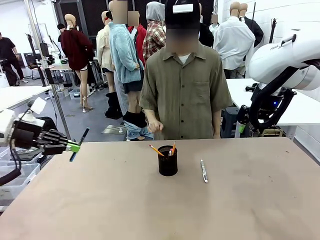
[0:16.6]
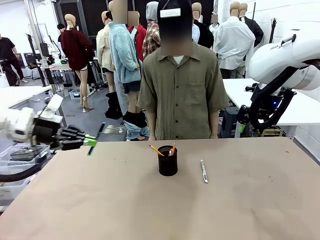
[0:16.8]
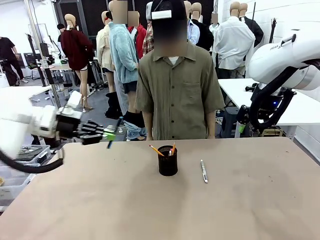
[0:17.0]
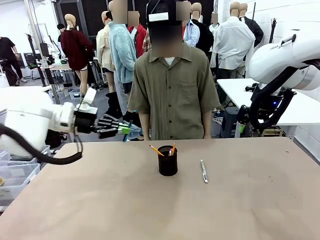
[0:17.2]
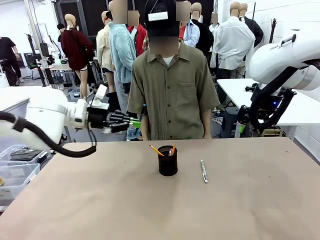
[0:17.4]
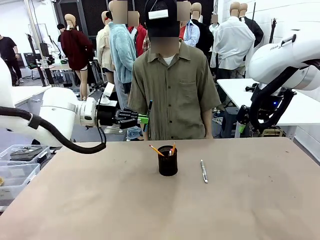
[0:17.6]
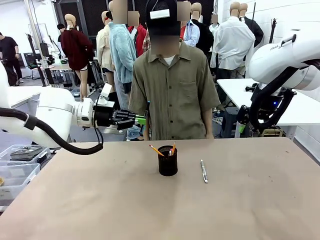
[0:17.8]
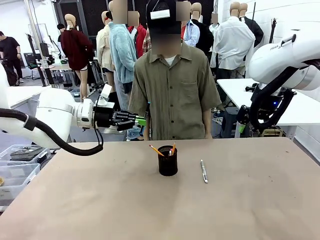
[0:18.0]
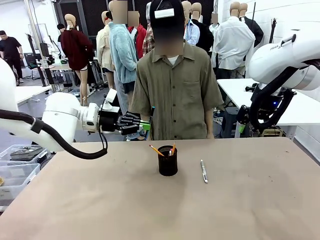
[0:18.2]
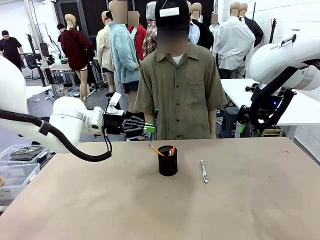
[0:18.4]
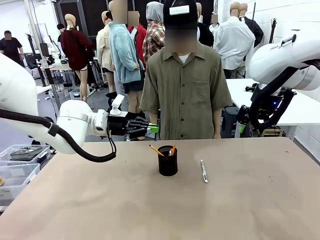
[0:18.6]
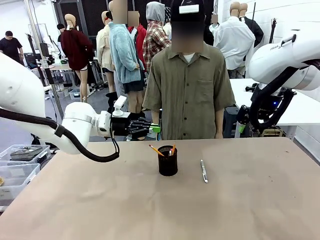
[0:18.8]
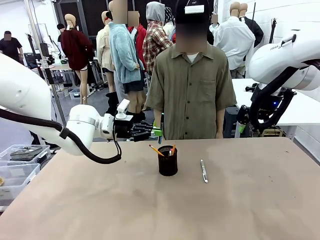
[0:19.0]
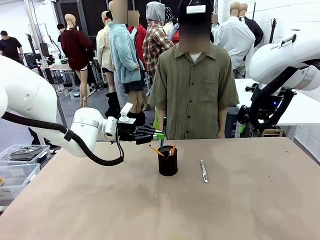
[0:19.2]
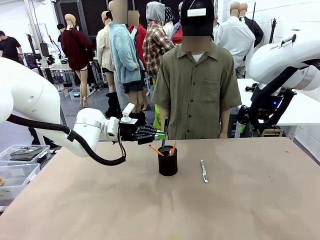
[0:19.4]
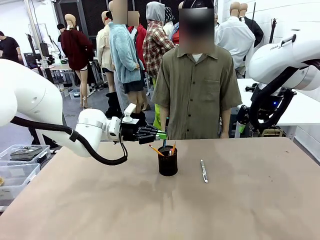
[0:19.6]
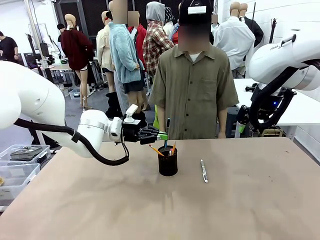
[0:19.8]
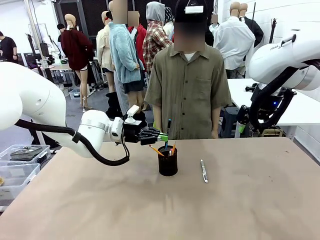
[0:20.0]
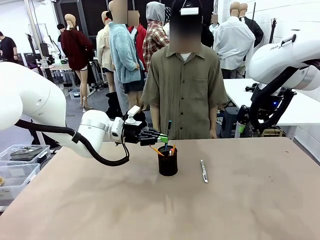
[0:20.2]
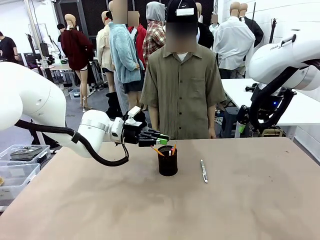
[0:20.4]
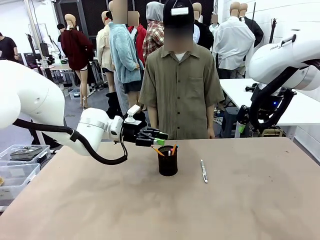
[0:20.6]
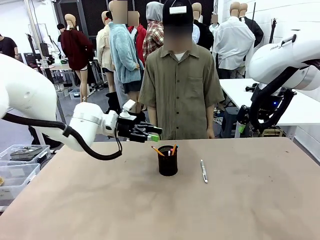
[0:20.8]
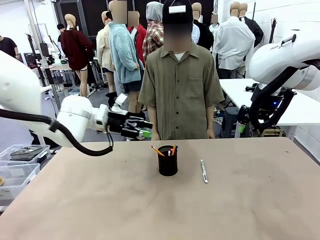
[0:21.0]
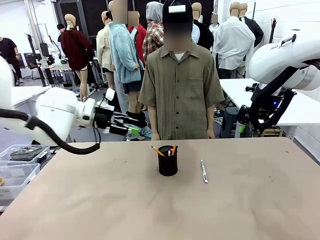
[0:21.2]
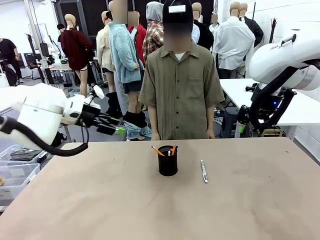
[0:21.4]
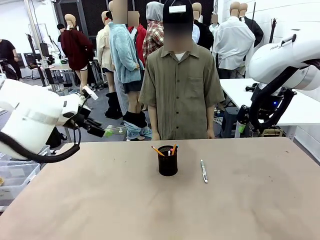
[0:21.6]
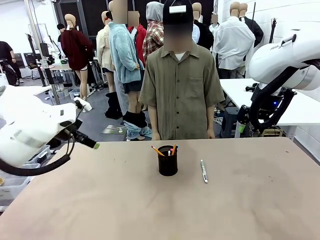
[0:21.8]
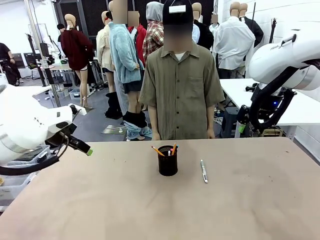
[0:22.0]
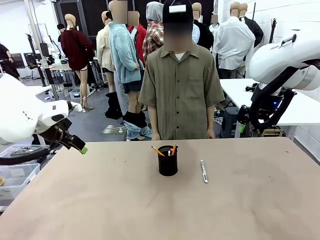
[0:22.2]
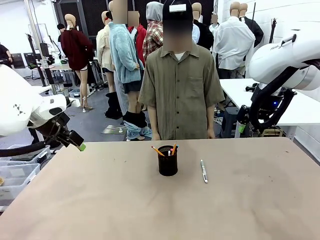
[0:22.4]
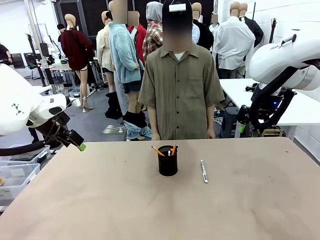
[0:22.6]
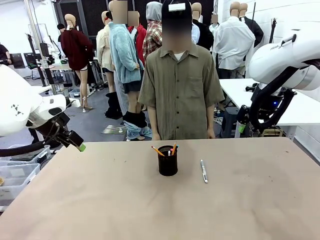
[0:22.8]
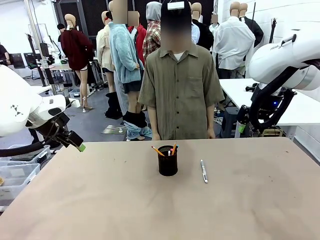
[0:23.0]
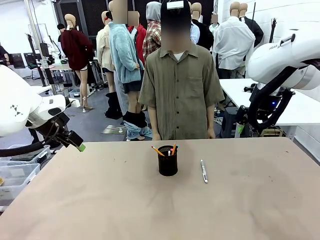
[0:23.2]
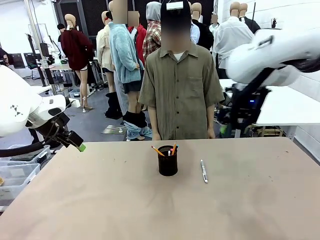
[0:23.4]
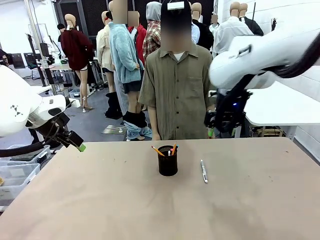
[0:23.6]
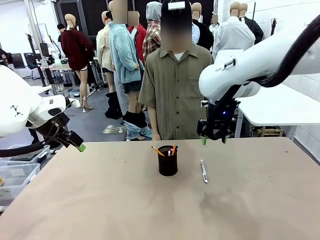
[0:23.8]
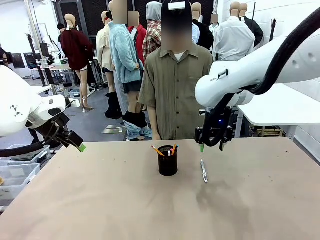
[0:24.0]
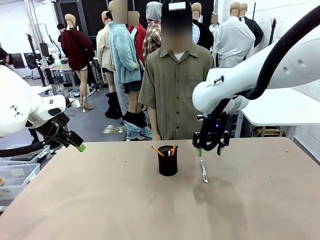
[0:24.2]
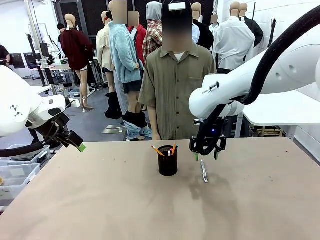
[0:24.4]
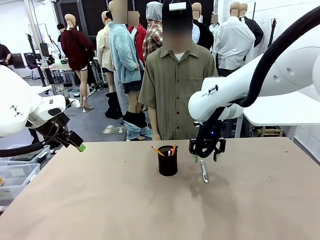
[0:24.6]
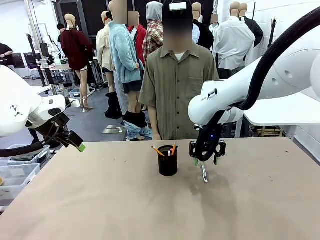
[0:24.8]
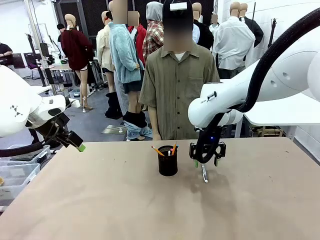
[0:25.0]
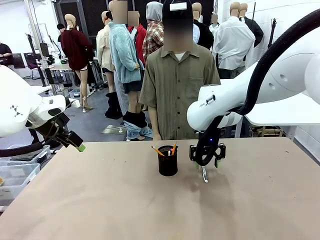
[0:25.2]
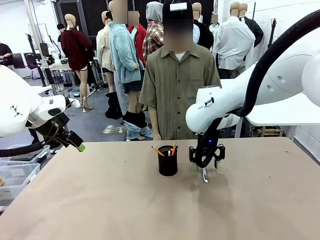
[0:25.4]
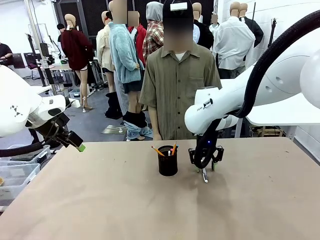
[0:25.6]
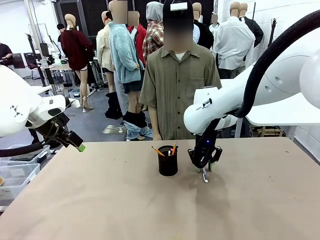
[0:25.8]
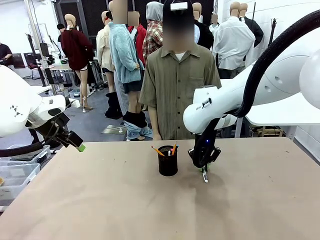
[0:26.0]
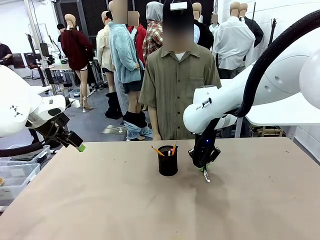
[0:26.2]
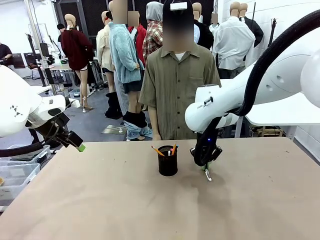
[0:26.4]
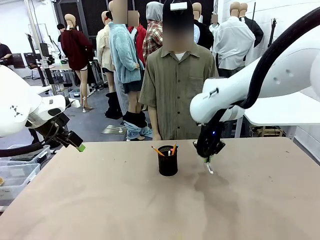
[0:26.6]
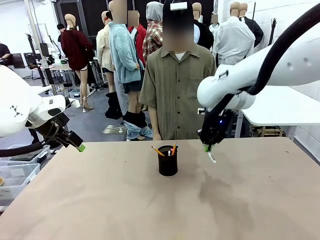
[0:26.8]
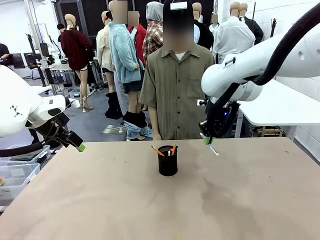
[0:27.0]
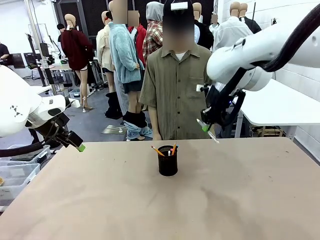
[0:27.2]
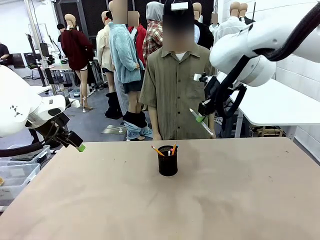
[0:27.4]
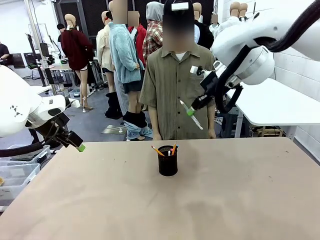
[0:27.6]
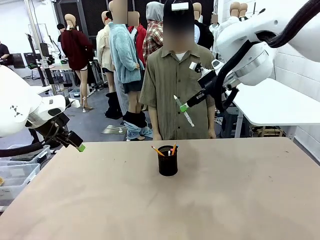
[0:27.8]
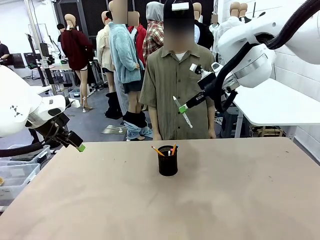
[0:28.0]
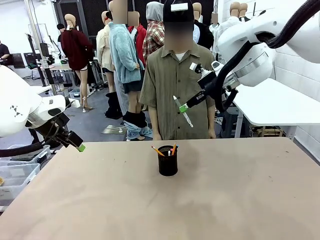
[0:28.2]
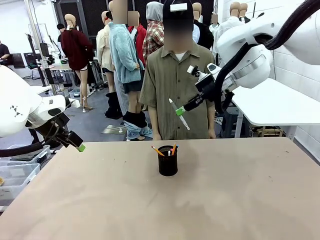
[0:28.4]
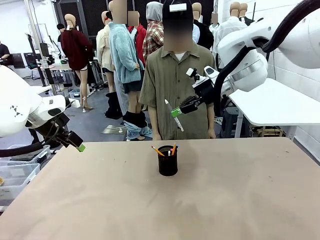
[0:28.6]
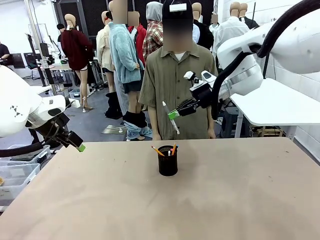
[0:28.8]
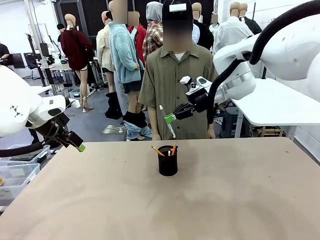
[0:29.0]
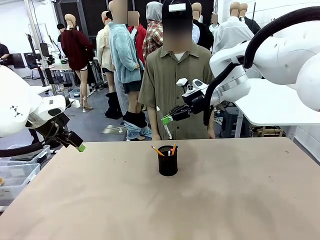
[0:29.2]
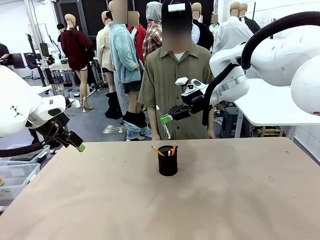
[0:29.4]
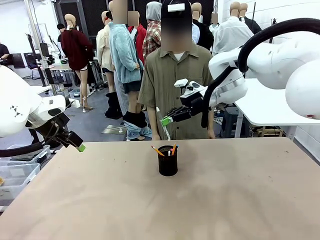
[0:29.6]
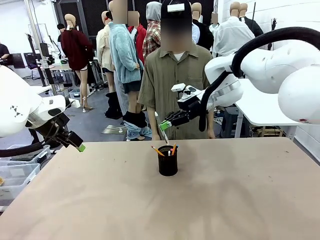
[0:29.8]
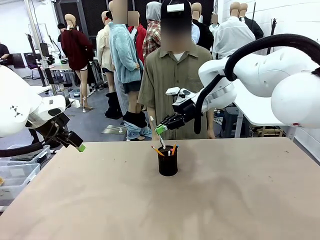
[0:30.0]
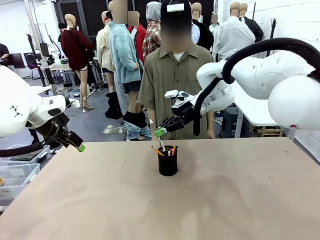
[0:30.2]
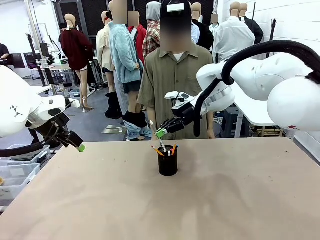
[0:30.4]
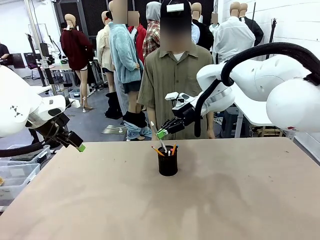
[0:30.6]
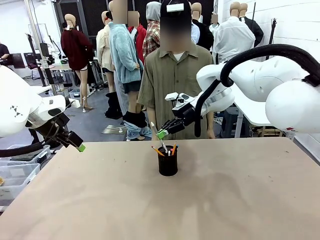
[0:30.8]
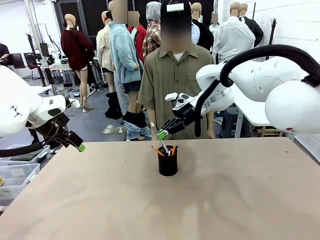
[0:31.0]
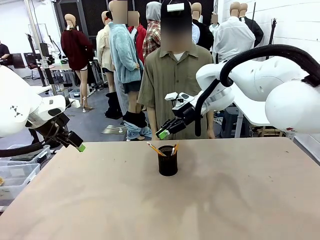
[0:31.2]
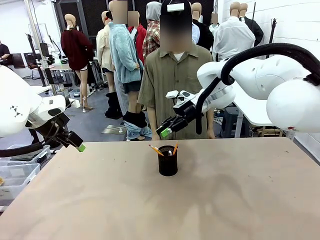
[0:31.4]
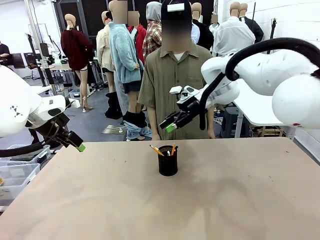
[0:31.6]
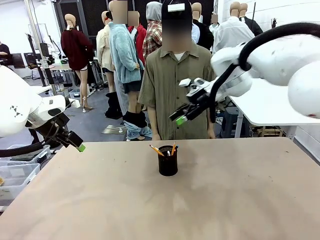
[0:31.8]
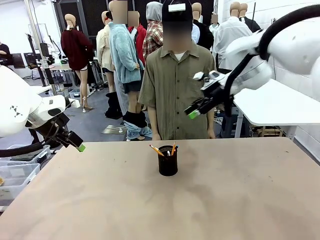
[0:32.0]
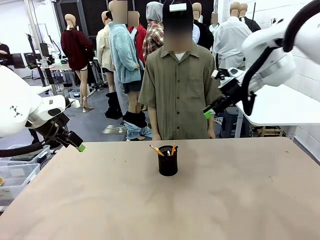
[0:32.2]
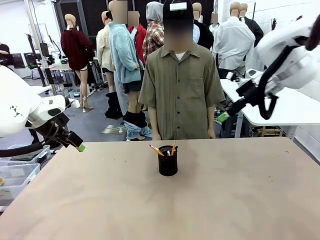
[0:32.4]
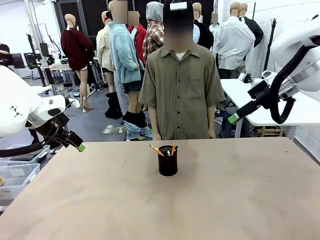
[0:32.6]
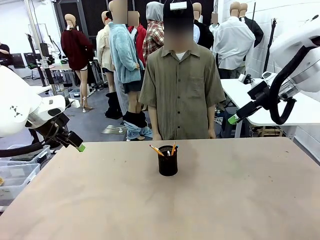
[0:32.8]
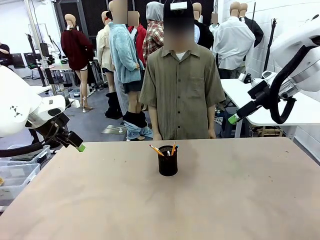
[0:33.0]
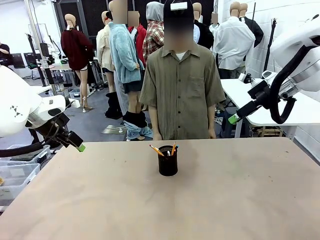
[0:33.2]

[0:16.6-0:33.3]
Task: Place the pens into the pen holder.
Robot: Pick up a writing instrument from the table and place it into the Pen holder.
Person: Place all writing instrument into the Pen holder.
